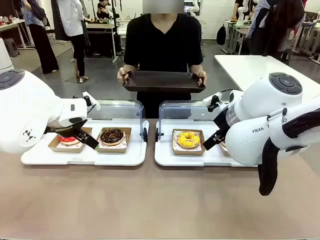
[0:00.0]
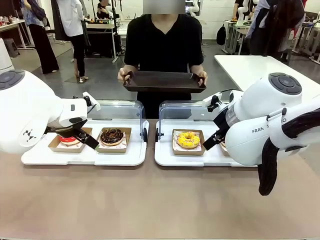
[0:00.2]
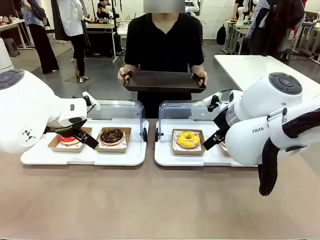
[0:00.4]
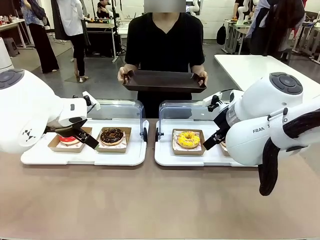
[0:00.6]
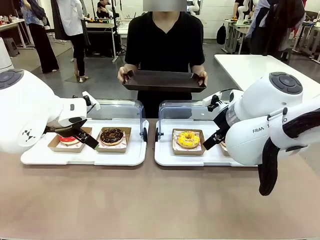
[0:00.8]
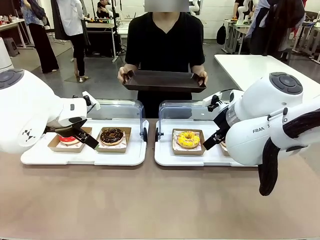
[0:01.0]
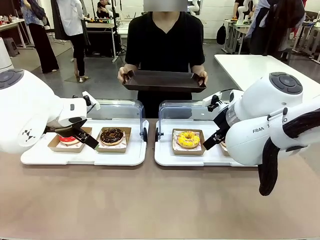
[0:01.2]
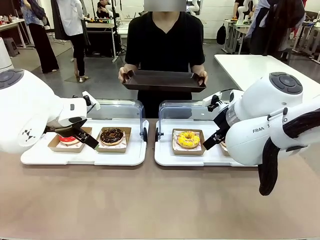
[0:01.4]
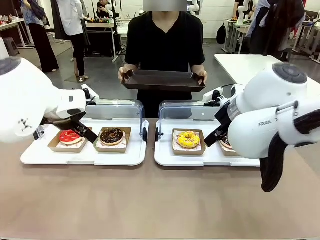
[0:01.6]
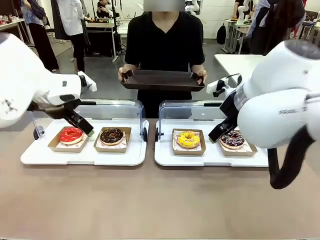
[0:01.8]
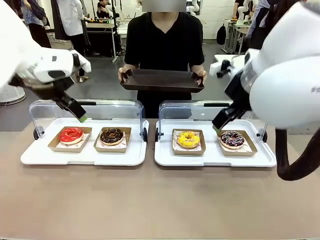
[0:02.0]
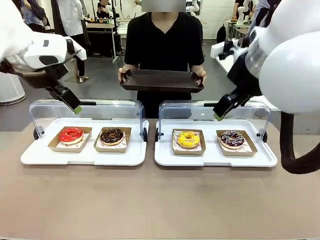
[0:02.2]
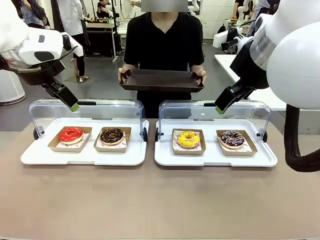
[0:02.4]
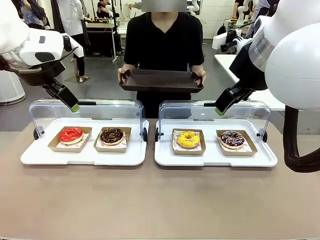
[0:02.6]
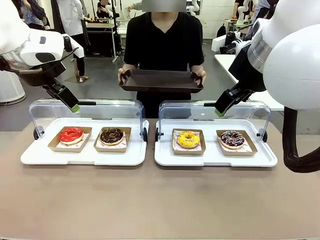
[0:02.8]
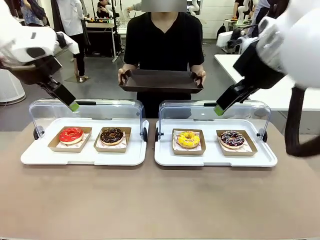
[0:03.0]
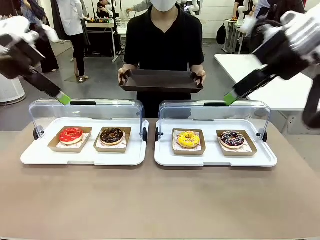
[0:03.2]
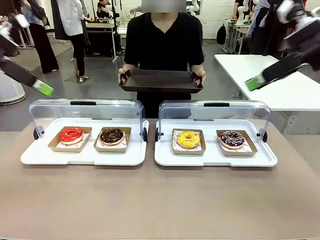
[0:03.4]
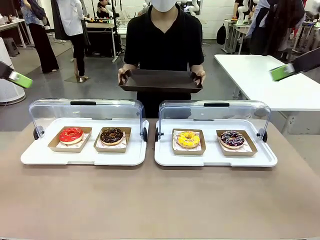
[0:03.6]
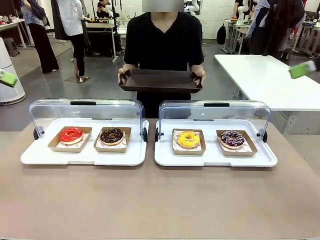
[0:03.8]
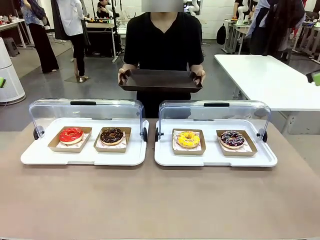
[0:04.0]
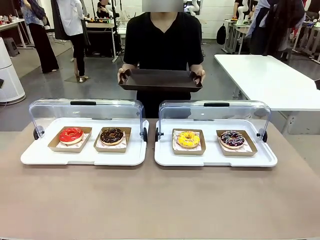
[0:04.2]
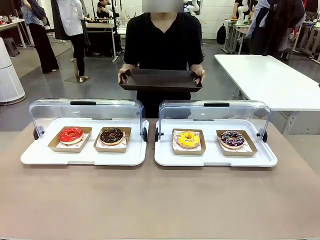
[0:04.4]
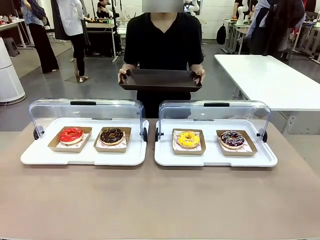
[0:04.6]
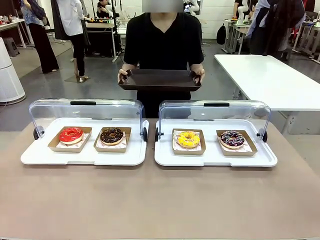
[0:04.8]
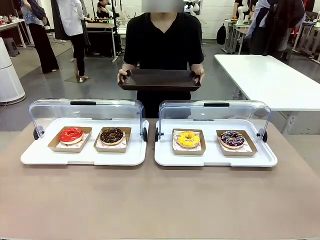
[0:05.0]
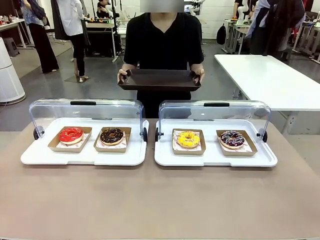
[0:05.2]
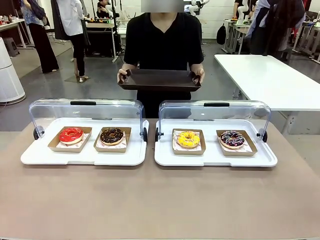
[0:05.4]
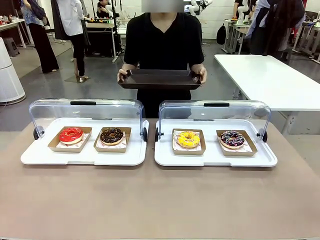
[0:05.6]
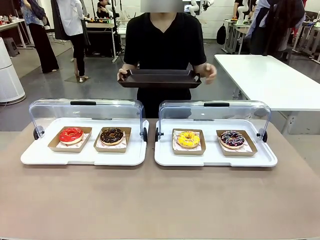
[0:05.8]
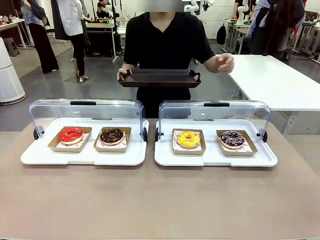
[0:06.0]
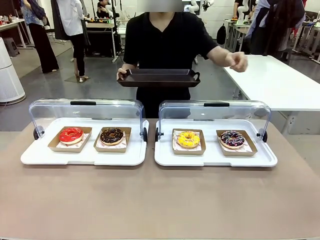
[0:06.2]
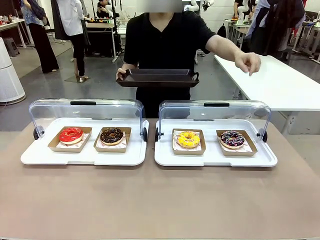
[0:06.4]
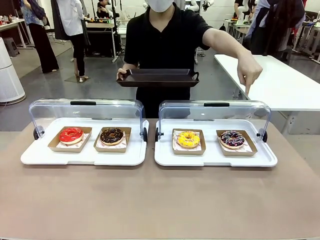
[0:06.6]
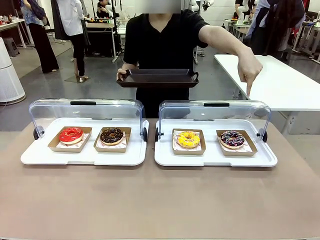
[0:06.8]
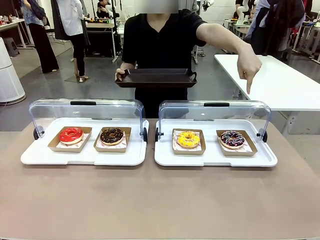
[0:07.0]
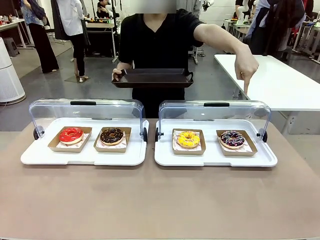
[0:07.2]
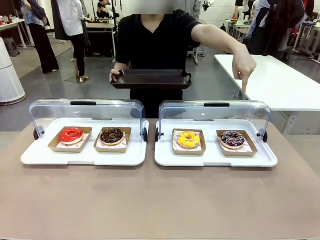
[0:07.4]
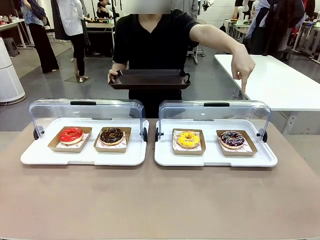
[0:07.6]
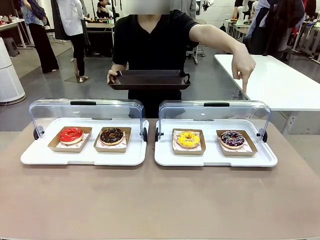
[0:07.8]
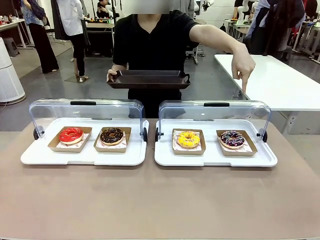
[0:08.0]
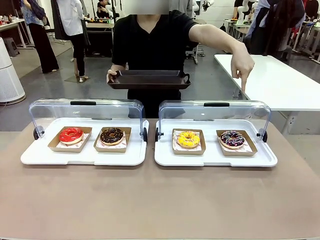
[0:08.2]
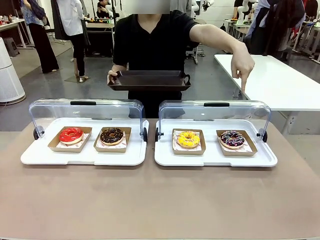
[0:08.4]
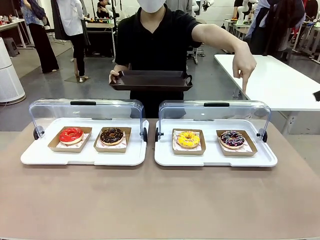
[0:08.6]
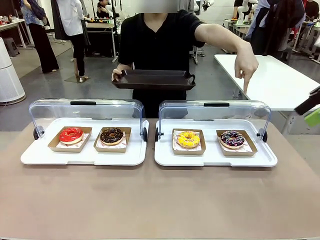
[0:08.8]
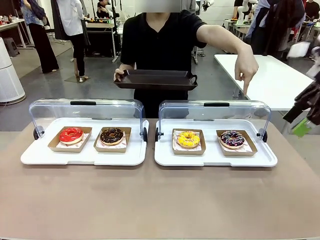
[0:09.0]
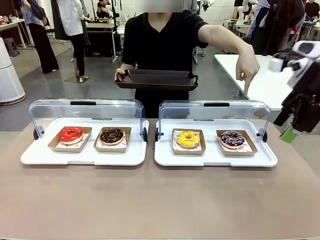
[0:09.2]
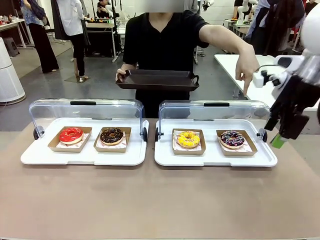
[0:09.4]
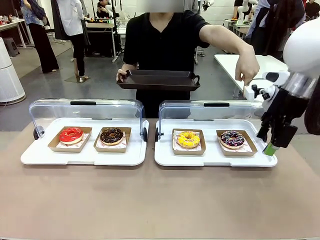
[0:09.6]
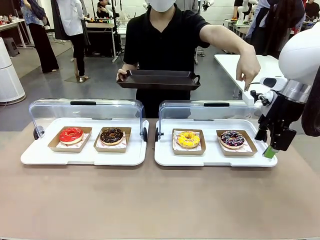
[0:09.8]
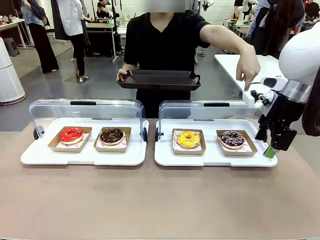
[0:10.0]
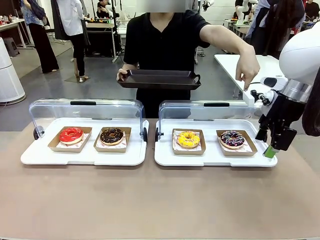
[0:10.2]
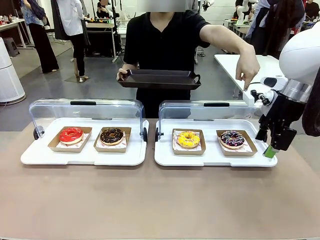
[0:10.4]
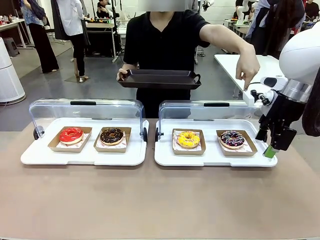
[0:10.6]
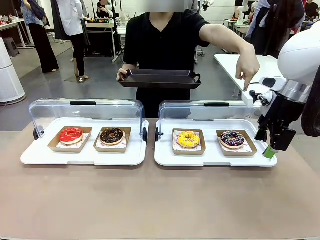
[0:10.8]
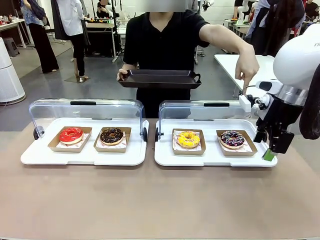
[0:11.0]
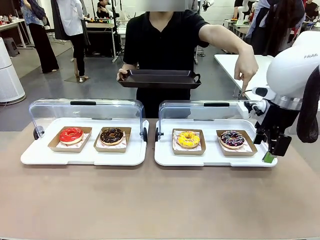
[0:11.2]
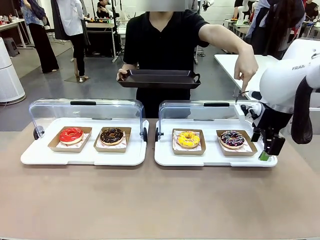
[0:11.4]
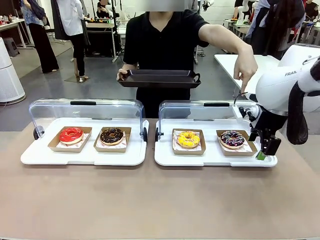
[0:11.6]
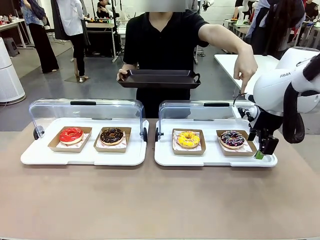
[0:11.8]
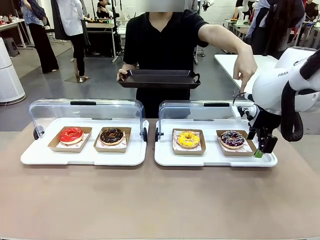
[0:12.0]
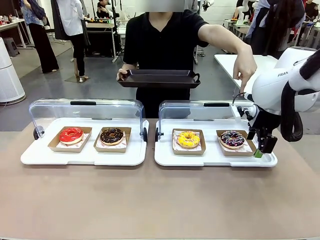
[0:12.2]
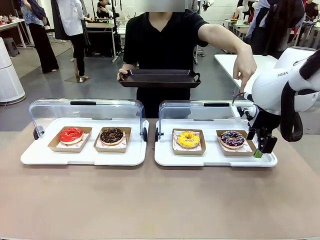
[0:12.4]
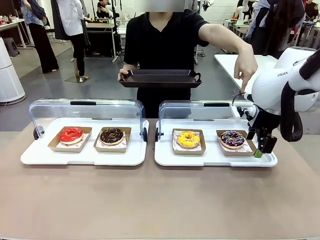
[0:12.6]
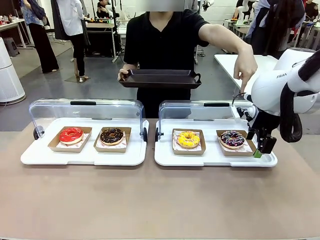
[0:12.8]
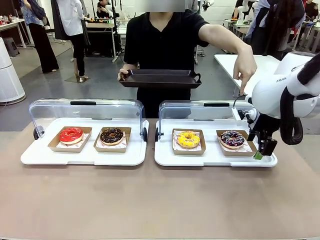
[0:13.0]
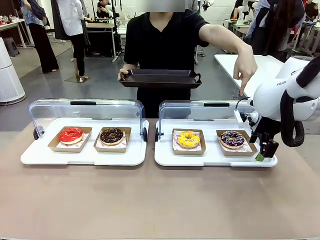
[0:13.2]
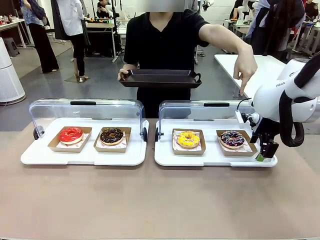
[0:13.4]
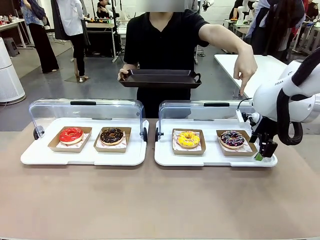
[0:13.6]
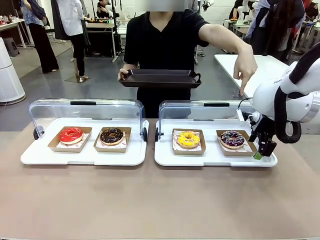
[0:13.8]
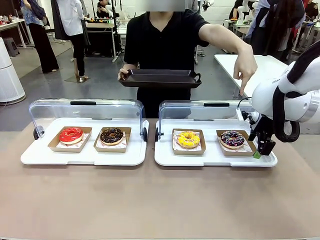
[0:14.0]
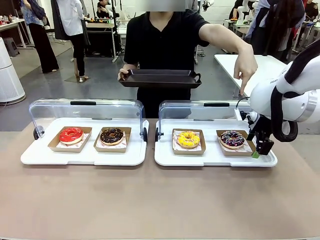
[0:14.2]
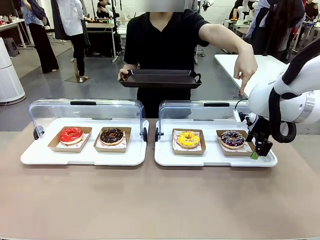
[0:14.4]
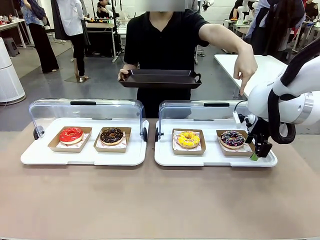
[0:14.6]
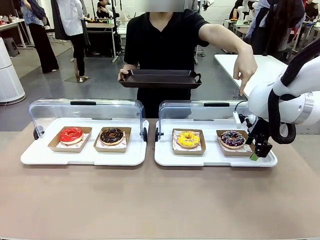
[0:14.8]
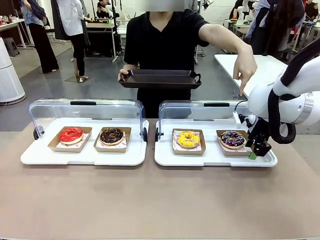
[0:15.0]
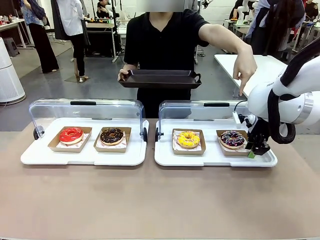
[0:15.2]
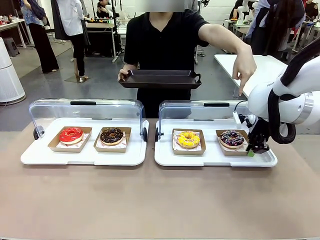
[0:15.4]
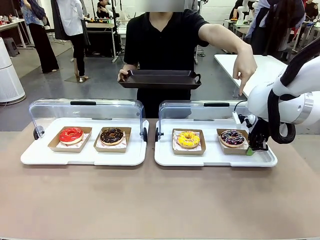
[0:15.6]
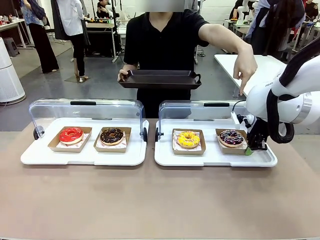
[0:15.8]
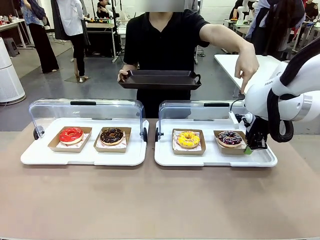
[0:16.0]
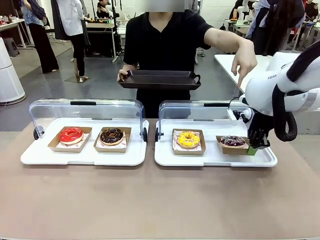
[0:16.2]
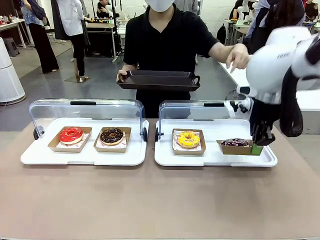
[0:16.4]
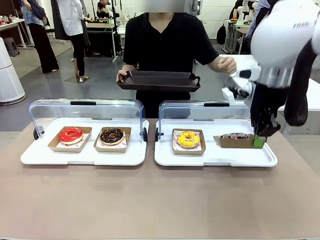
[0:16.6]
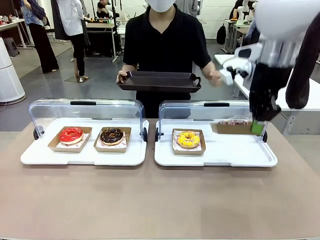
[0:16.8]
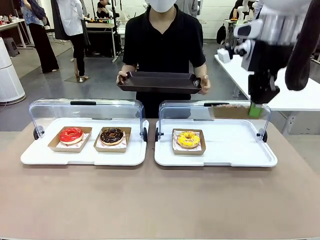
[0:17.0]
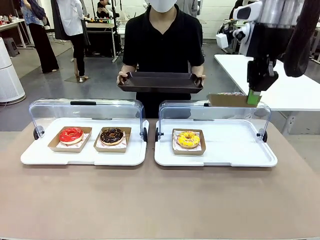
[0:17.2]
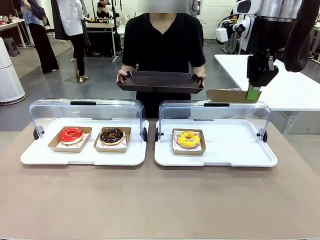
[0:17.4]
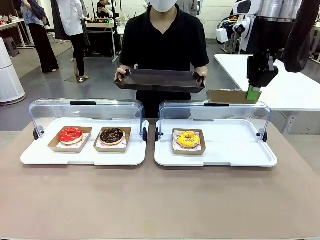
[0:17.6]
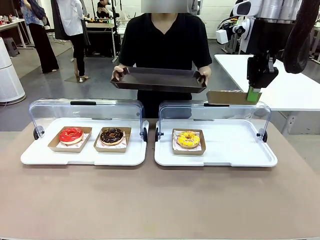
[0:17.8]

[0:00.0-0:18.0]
Task: Provide the desired donut to the person.
Robot: Pick up and lift the Paper togo box containing the Donut pointed at by the person.
Person: Point to one donut. Lift the tray onto the Roll-Top Bakery Case.

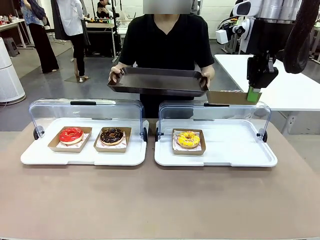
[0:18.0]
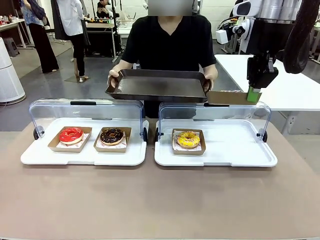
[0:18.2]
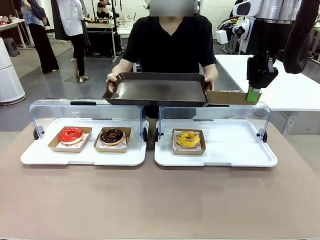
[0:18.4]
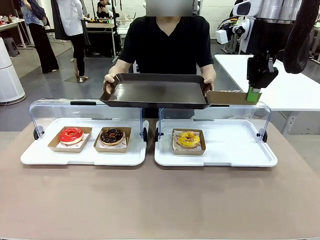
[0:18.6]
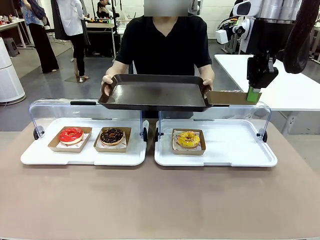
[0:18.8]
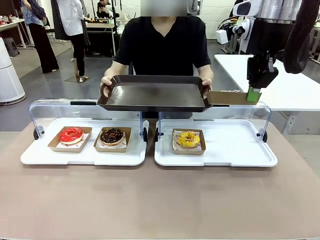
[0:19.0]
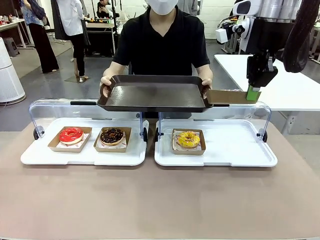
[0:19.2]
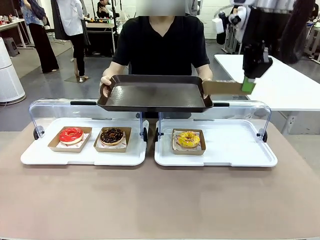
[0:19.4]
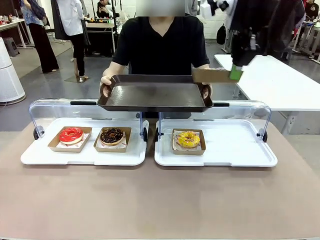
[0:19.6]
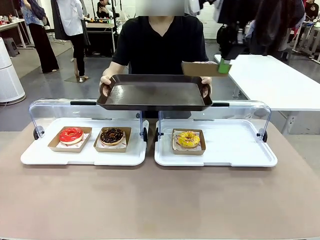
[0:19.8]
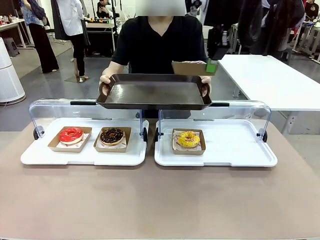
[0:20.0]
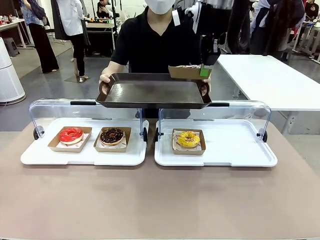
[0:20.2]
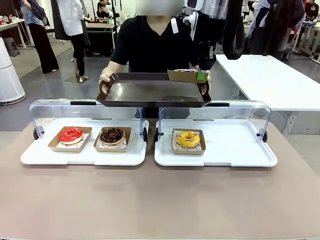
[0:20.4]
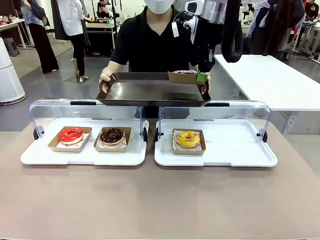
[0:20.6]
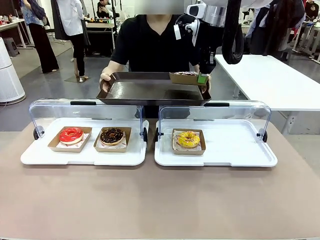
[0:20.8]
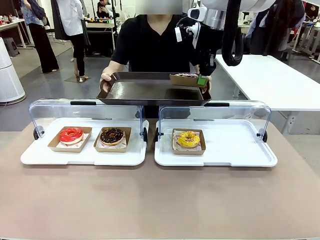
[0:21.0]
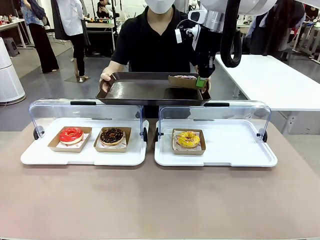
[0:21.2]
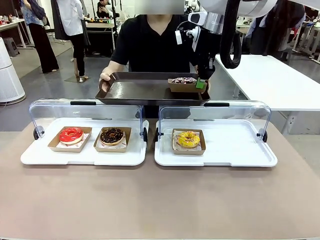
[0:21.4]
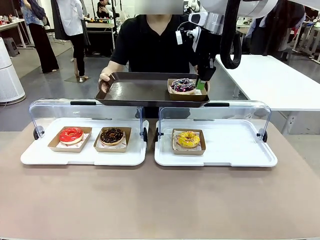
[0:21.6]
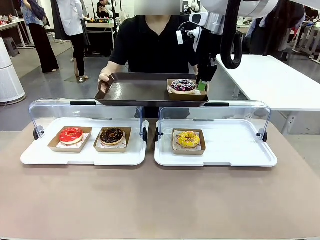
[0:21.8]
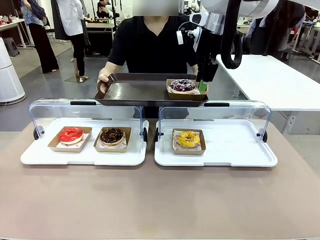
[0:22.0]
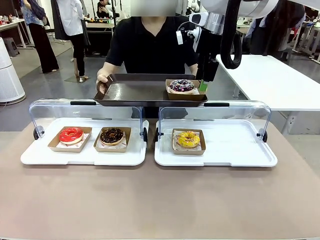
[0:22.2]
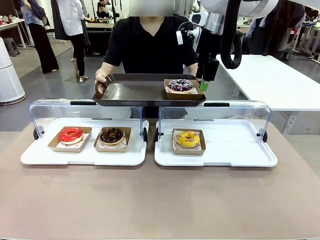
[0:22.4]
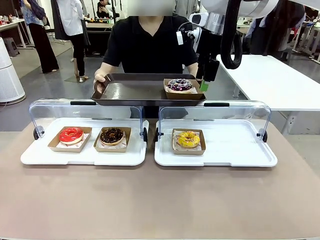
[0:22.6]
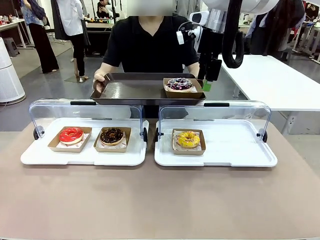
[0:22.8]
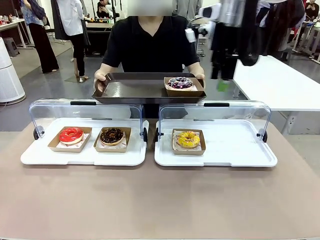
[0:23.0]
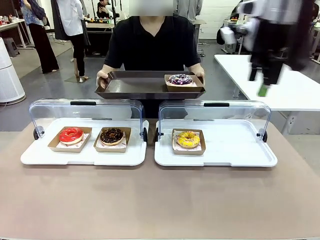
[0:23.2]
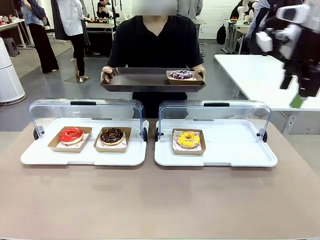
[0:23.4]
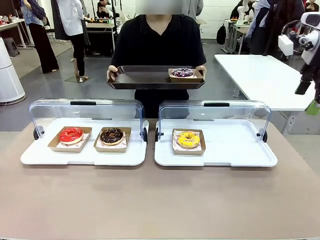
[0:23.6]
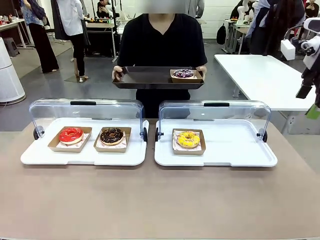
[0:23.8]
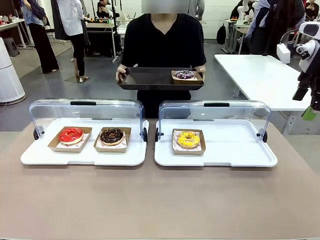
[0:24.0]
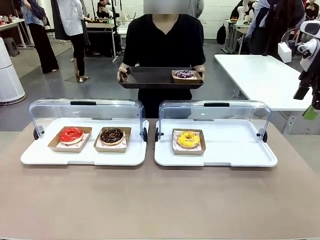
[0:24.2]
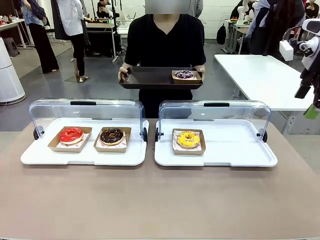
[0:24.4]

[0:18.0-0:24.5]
Robot: Place the picked Paper togo box onto the Handle tray extended by the person.
